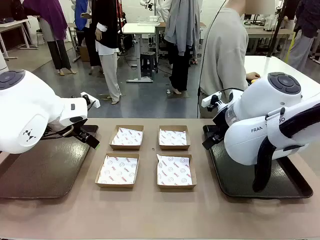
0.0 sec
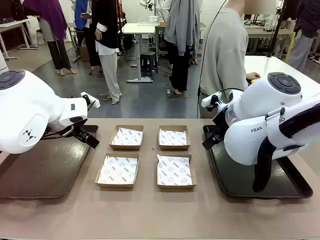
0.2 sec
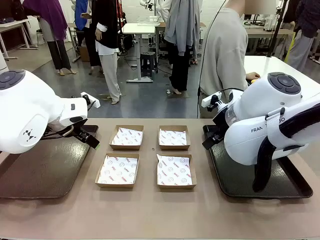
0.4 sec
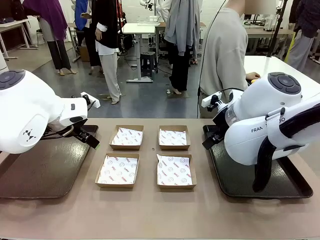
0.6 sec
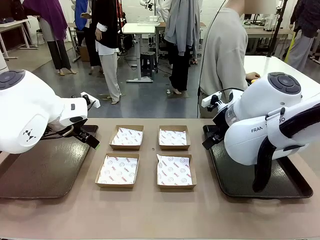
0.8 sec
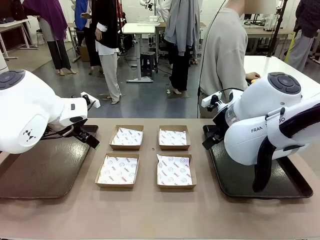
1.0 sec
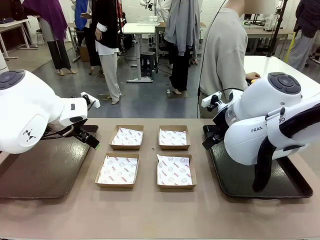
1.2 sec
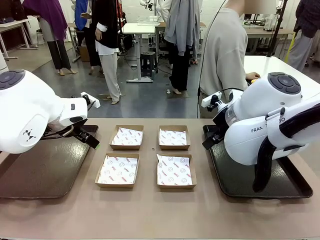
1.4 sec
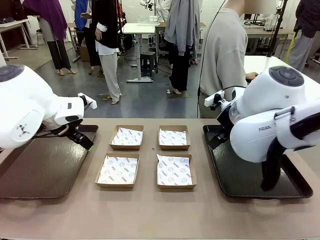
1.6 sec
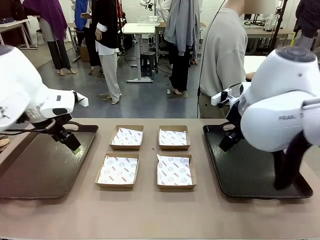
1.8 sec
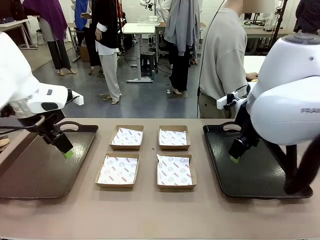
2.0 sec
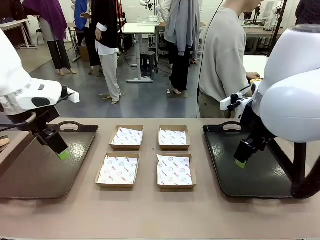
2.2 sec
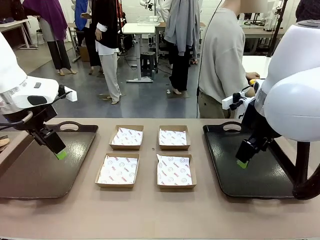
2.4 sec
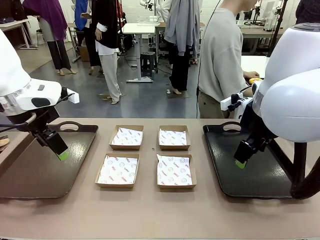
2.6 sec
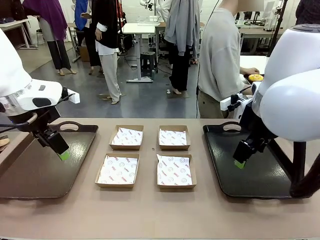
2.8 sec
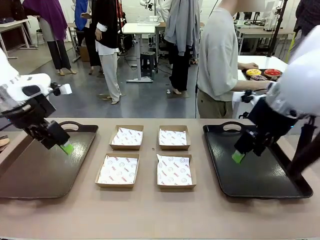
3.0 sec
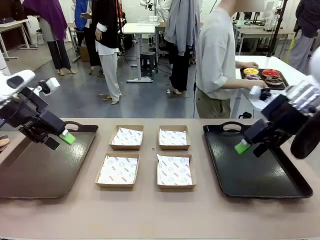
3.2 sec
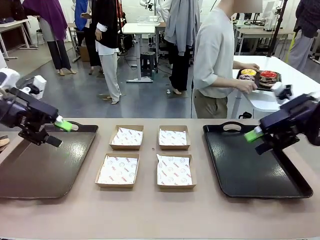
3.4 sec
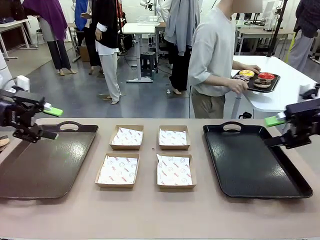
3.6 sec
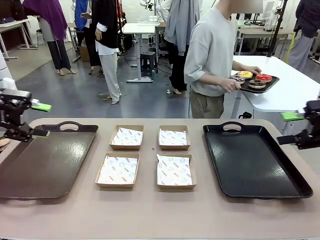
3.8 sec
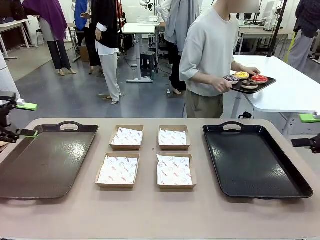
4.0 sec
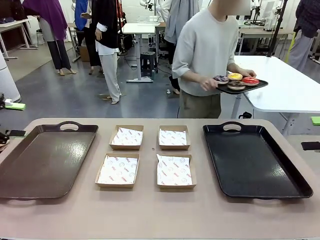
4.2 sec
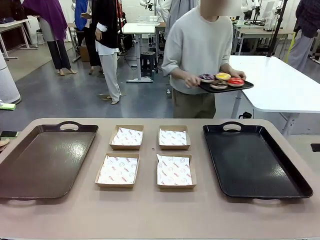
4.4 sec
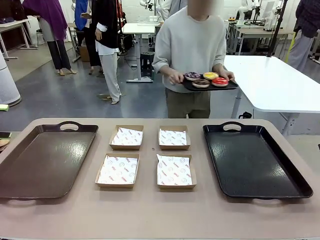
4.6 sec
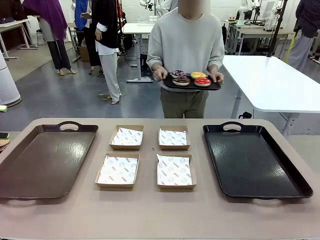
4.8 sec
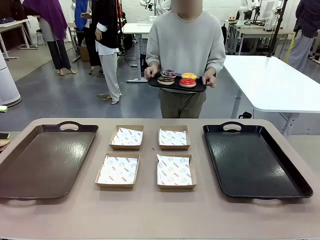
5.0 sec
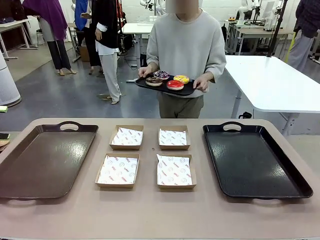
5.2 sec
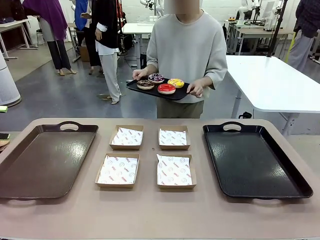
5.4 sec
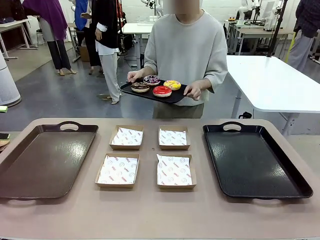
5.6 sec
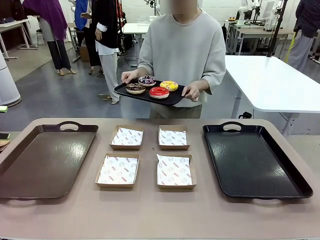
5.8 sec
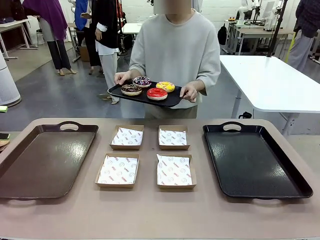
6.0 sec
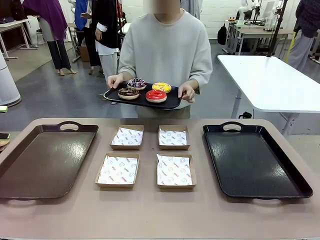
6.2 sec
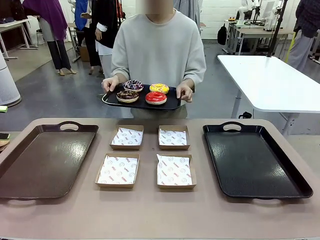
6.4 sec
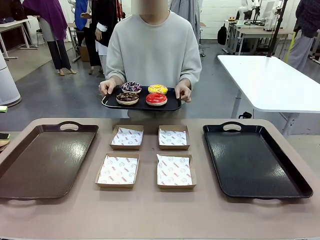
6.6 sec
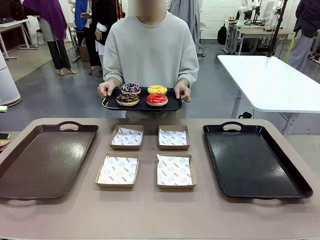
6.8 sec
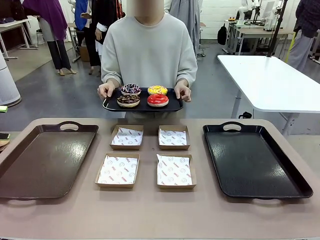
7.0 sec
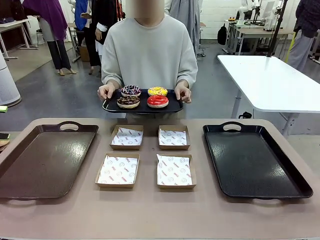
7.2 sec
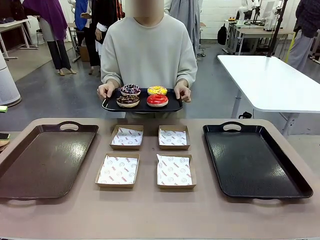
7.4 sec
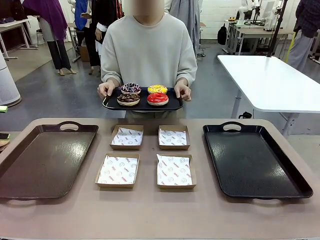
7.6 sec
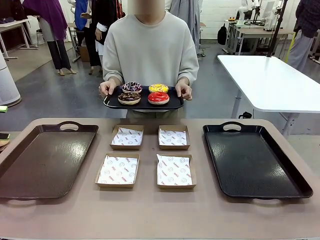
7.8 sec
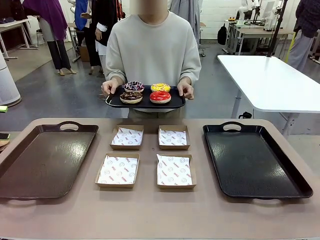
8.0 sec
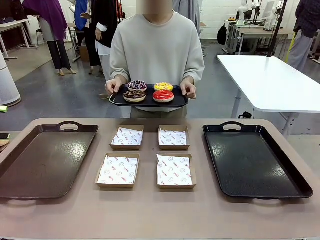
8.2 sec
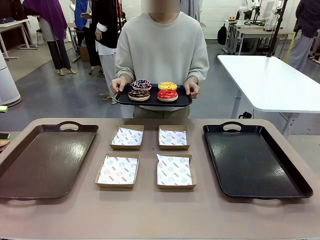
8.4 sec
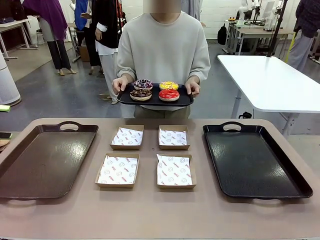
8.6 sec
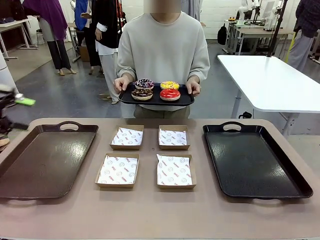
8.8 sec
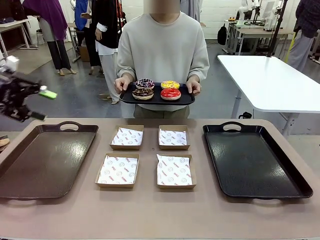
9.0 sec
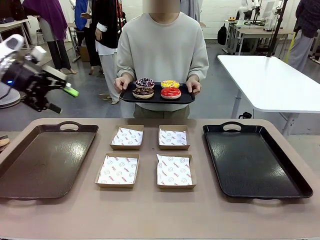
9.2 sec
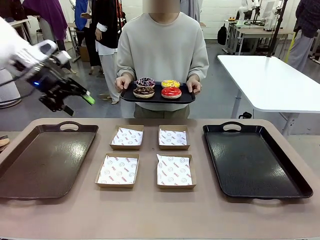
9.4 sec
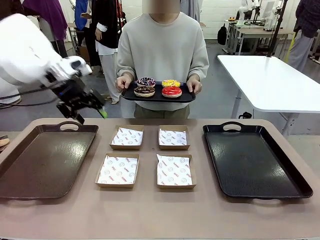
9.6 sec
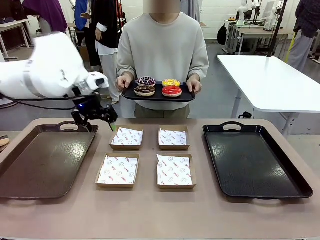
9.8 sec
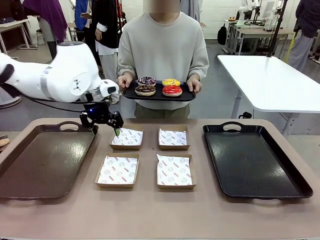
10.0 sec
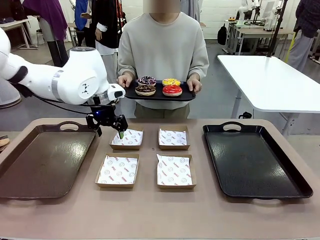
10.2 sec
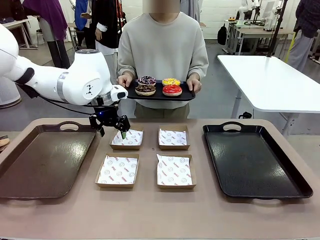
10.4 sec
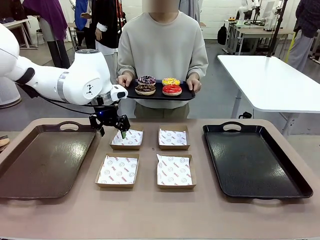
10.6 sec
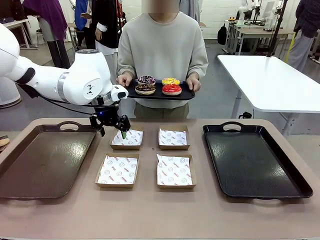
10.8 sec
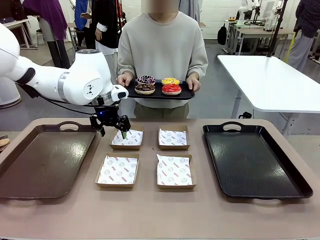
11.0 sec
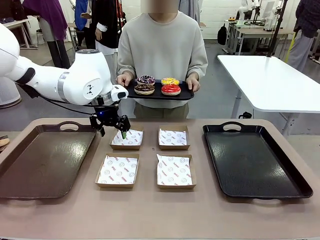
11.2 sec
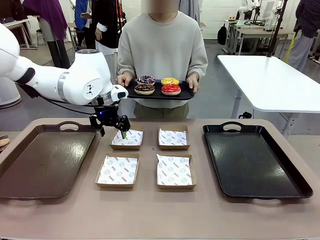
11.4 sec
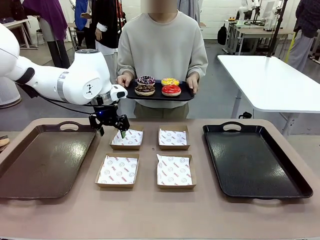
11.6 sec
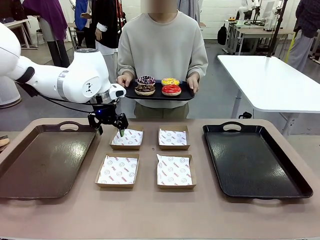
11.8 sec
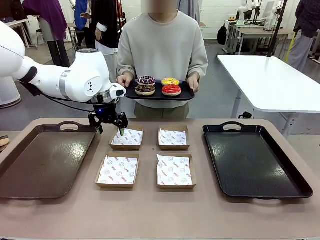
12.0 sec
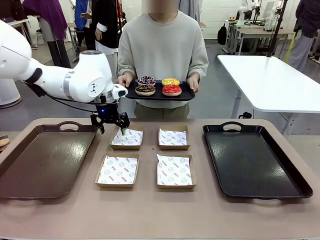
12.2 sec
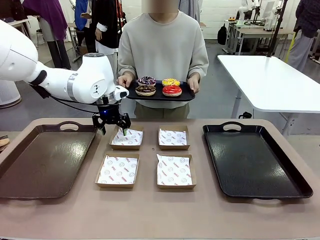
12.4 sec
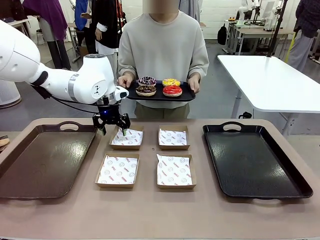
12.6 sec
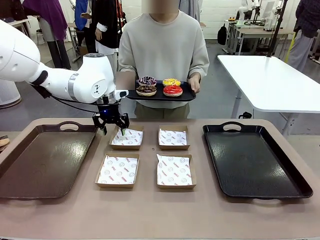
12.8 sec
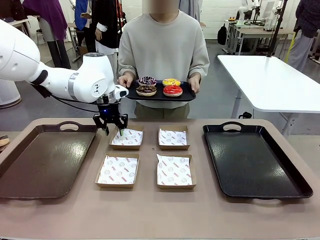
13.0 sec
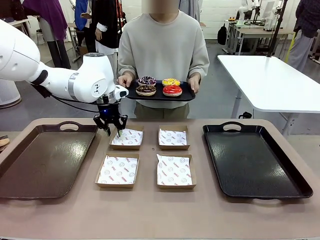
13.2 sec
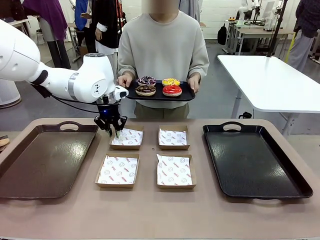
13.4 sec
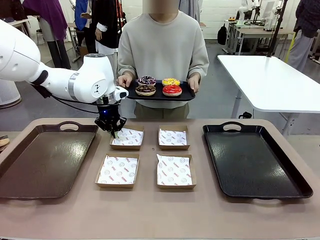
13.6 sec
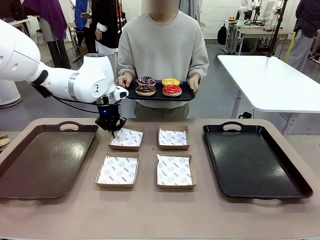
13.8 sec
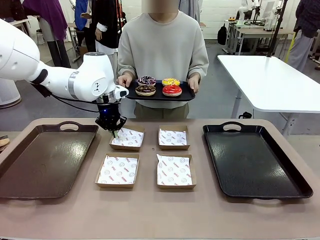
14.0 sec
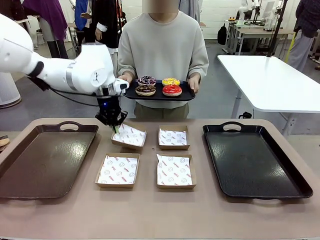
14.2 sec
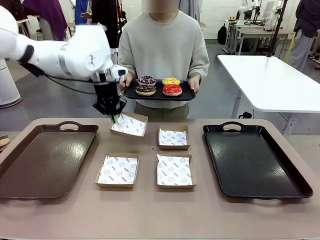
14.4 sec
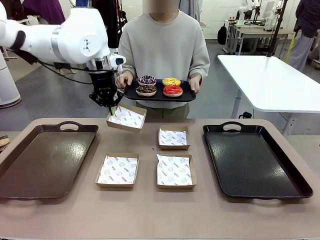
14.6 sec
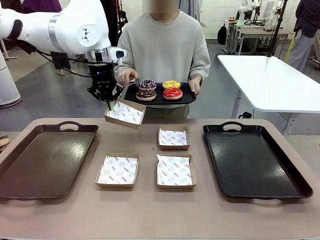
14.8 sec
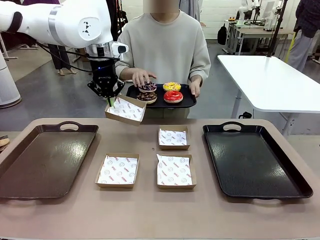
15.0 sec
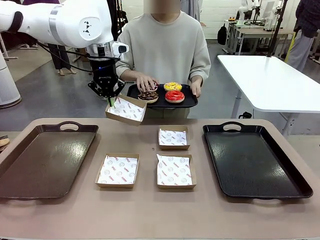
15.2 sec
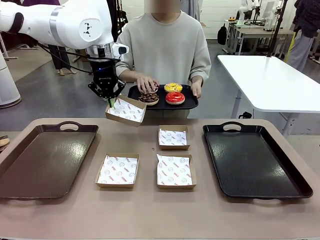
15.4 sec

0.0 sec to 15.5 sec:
Task: Individually package the donuts and arrange them on the tray.
Robot: Pick up one Paper togo box.
Person: Stand in front of the robot table holding the tray containing the donuts.
